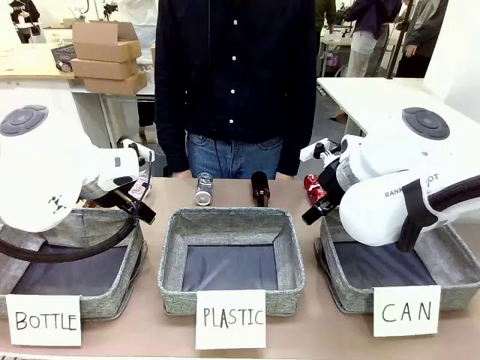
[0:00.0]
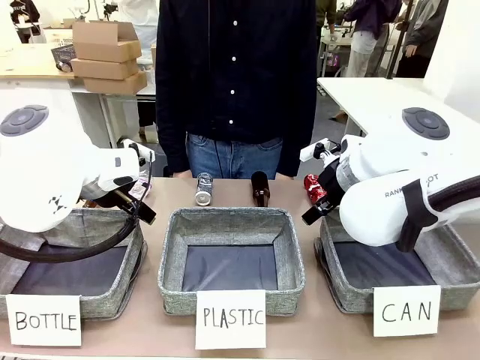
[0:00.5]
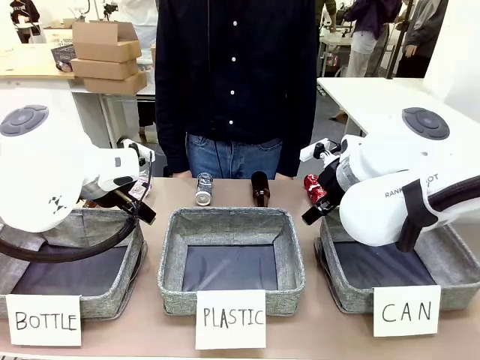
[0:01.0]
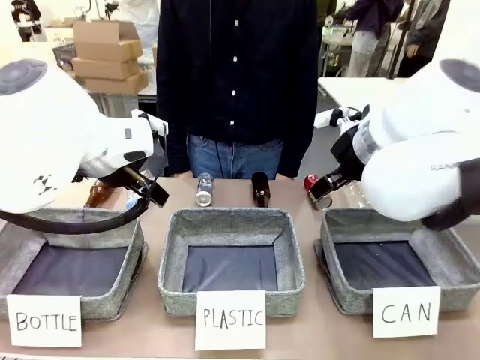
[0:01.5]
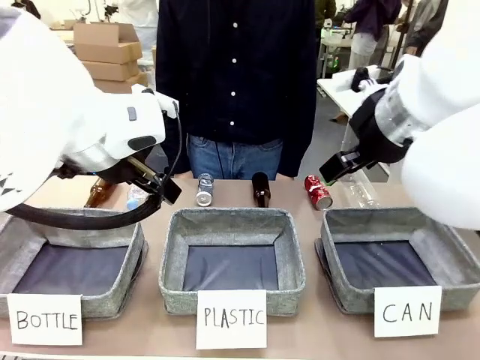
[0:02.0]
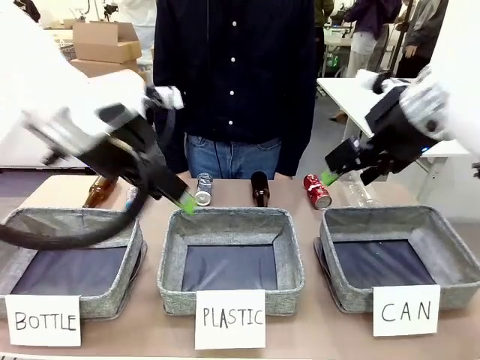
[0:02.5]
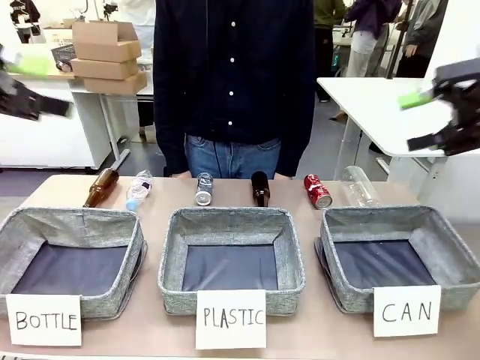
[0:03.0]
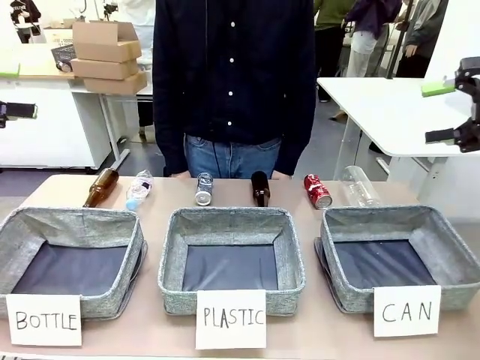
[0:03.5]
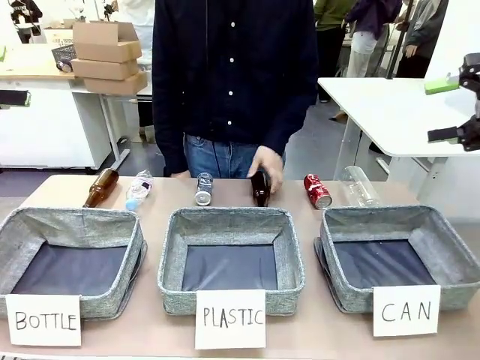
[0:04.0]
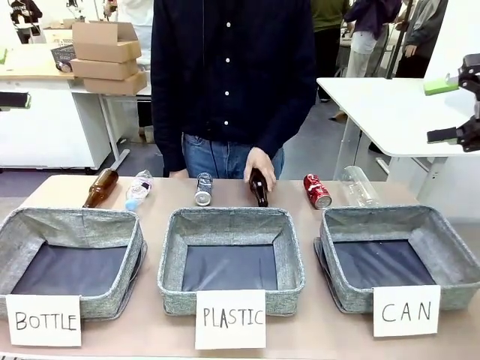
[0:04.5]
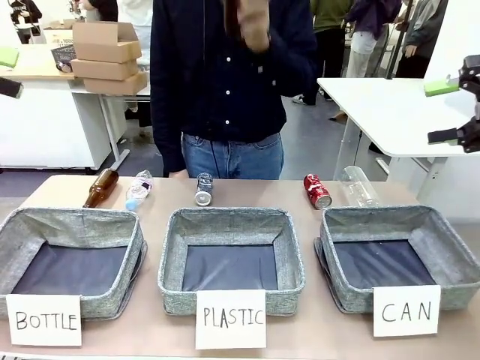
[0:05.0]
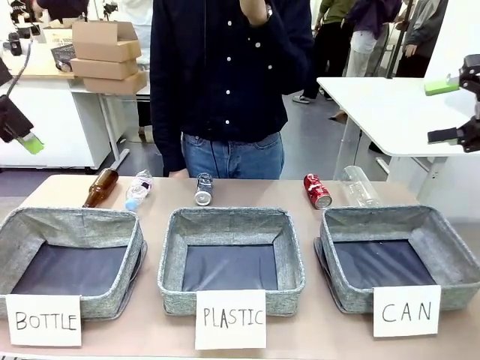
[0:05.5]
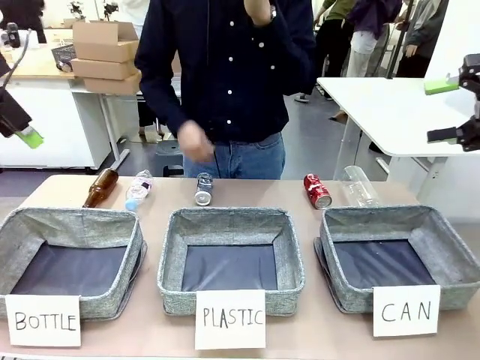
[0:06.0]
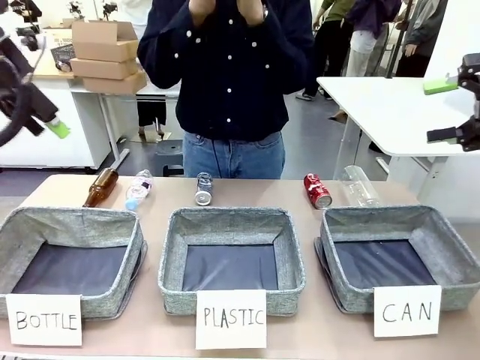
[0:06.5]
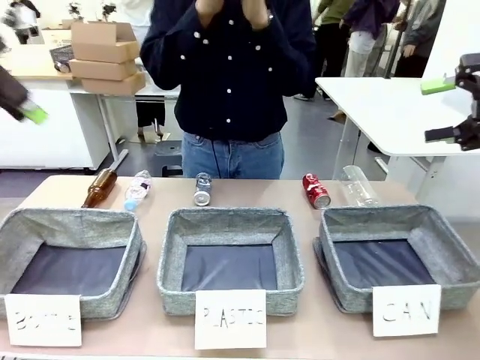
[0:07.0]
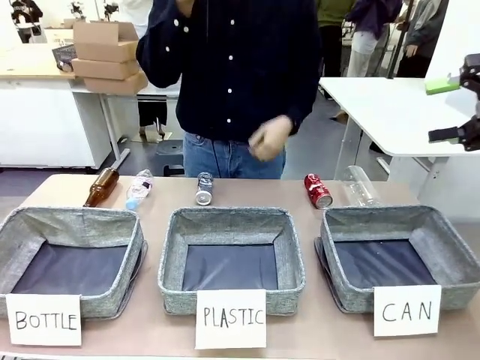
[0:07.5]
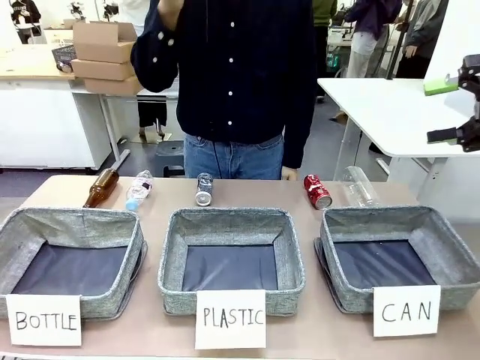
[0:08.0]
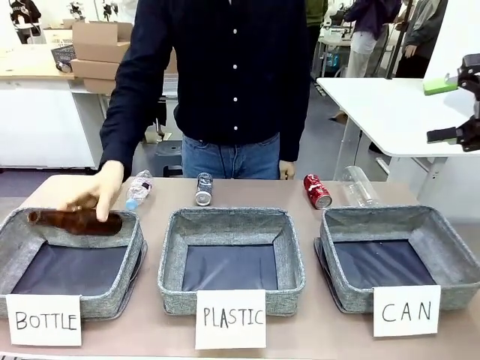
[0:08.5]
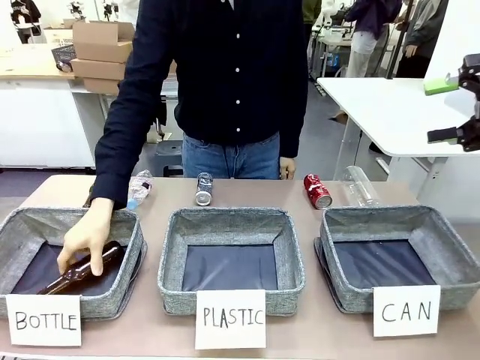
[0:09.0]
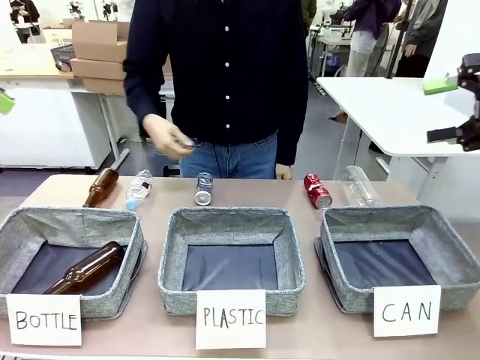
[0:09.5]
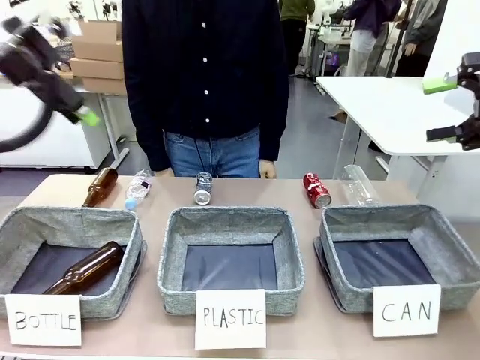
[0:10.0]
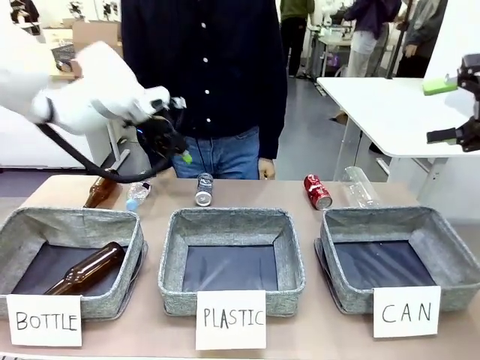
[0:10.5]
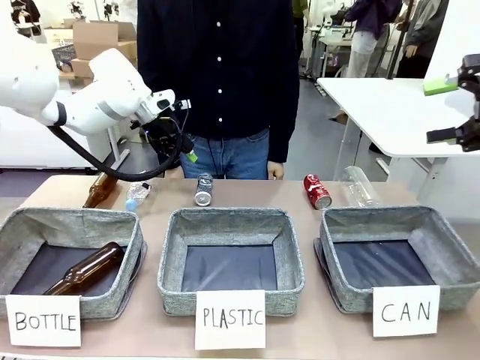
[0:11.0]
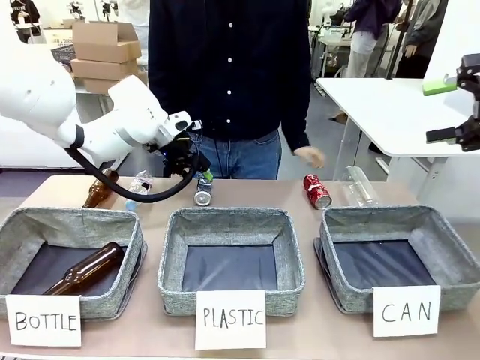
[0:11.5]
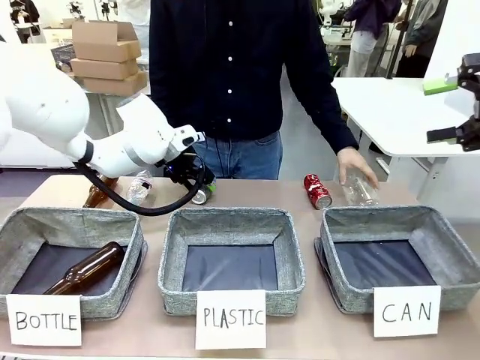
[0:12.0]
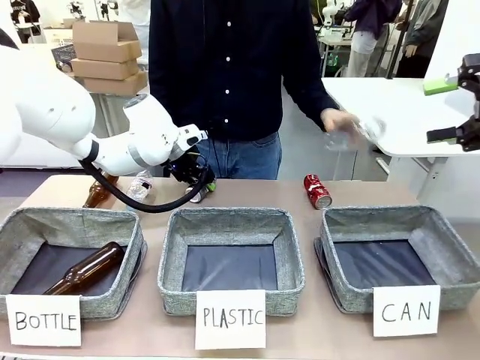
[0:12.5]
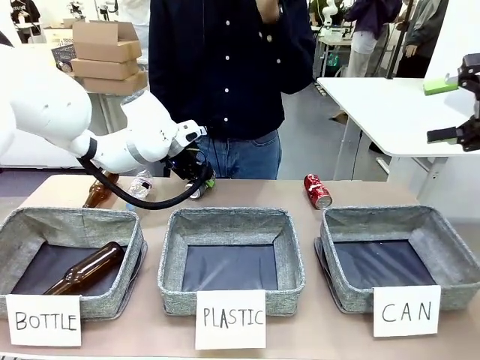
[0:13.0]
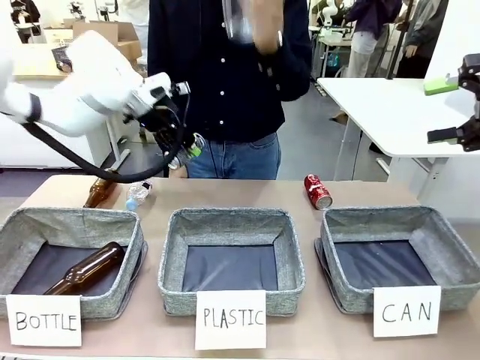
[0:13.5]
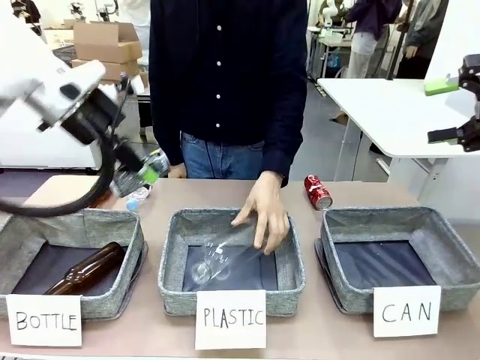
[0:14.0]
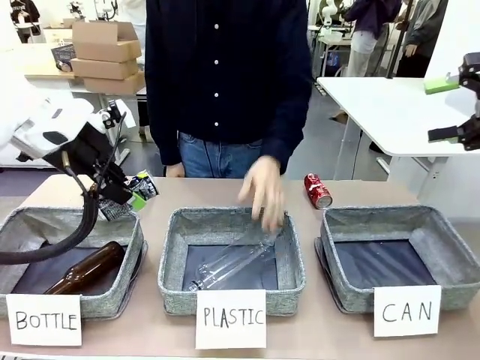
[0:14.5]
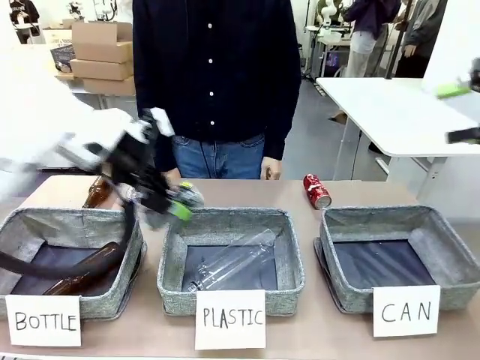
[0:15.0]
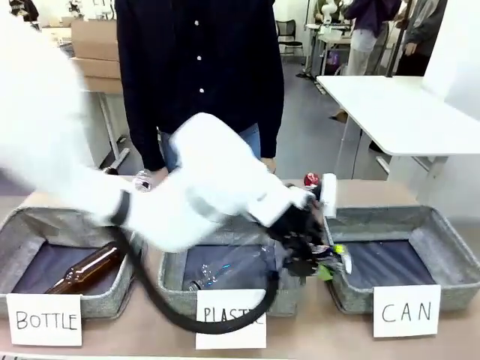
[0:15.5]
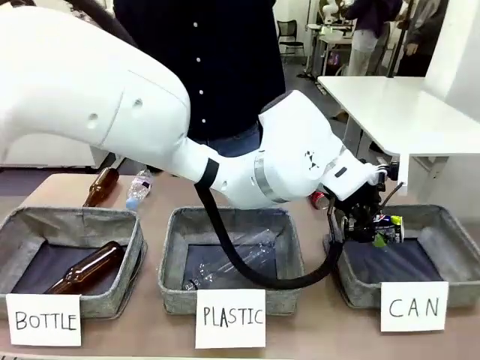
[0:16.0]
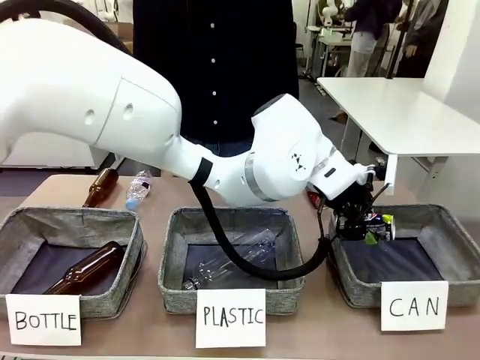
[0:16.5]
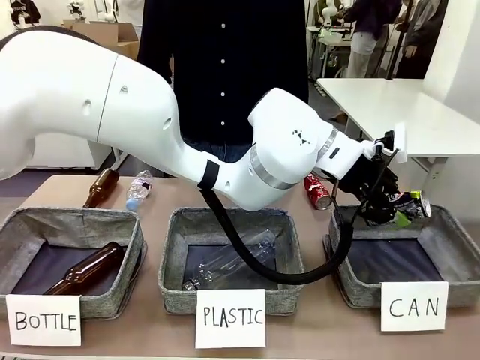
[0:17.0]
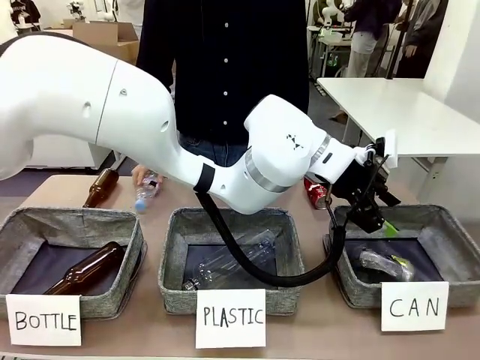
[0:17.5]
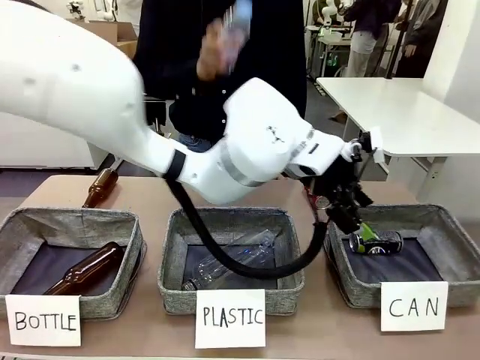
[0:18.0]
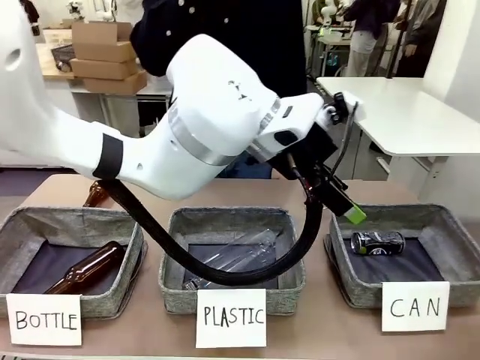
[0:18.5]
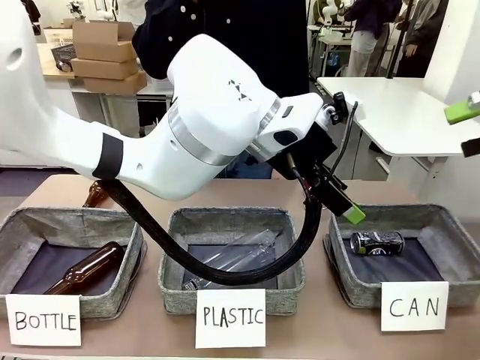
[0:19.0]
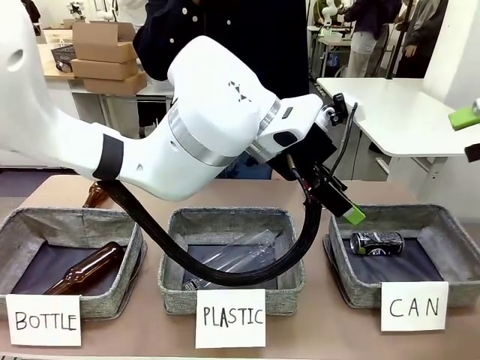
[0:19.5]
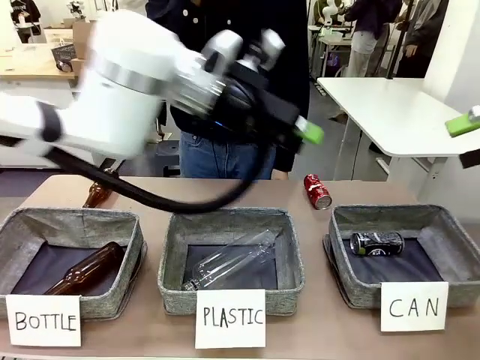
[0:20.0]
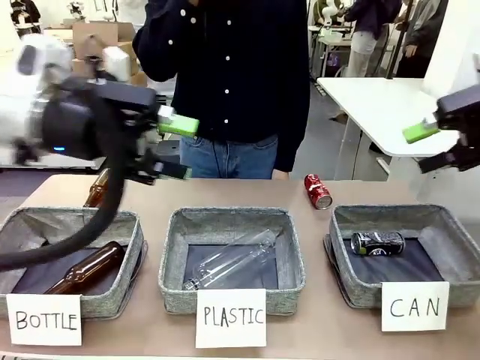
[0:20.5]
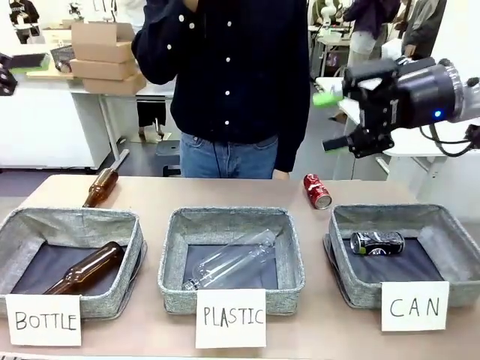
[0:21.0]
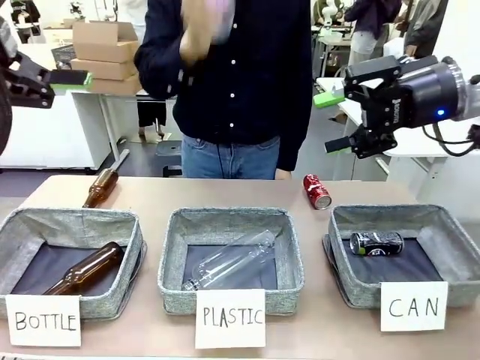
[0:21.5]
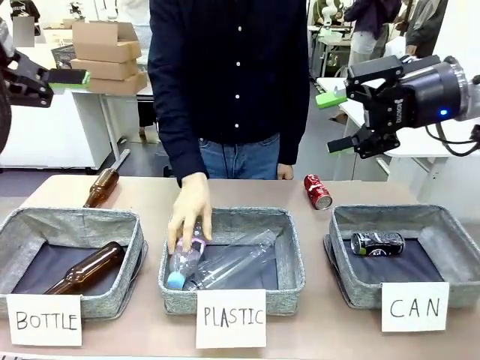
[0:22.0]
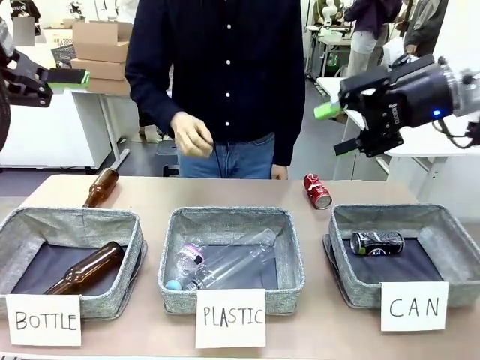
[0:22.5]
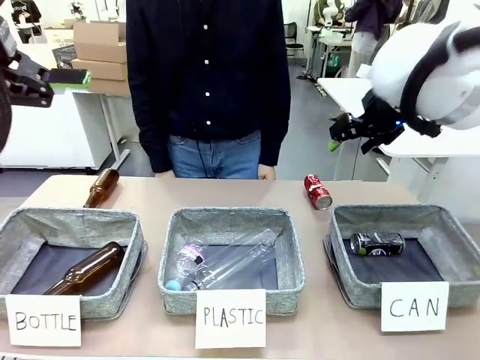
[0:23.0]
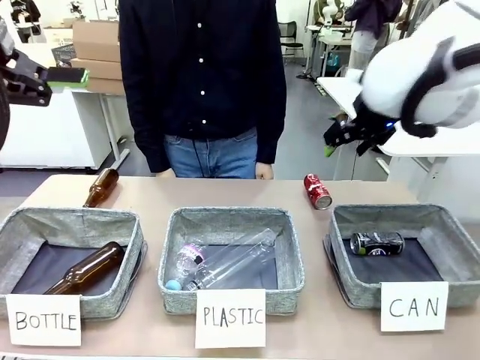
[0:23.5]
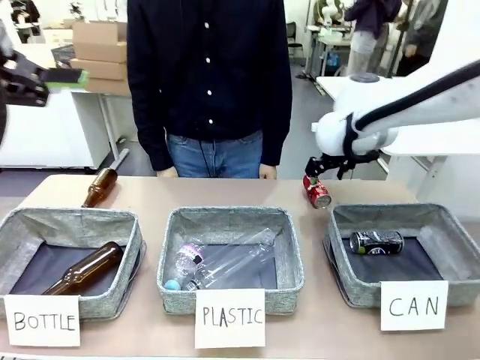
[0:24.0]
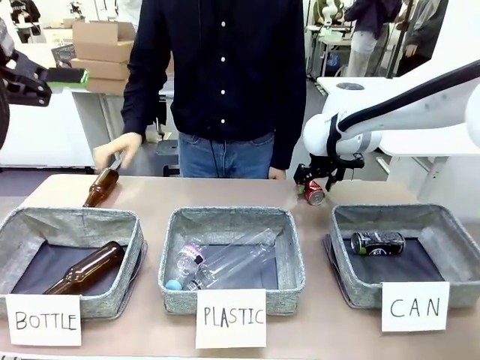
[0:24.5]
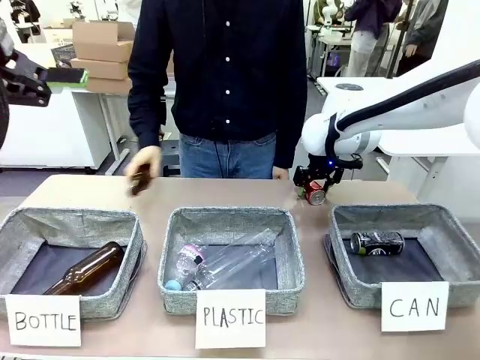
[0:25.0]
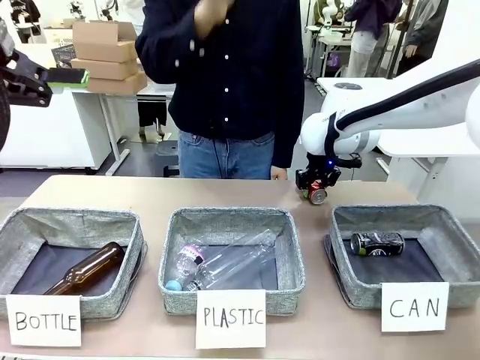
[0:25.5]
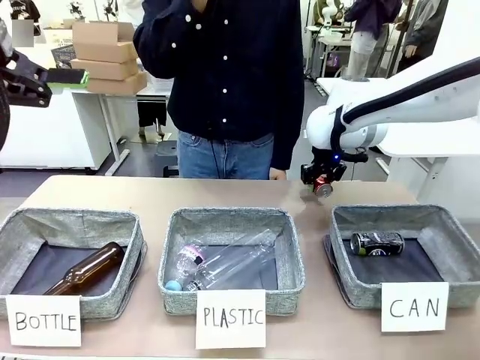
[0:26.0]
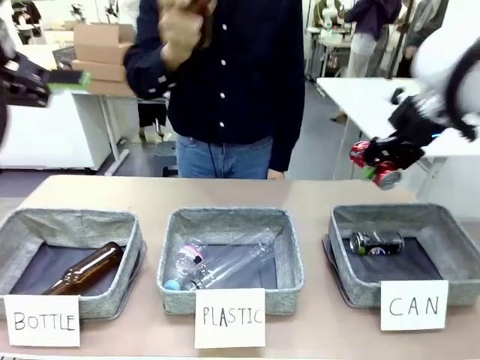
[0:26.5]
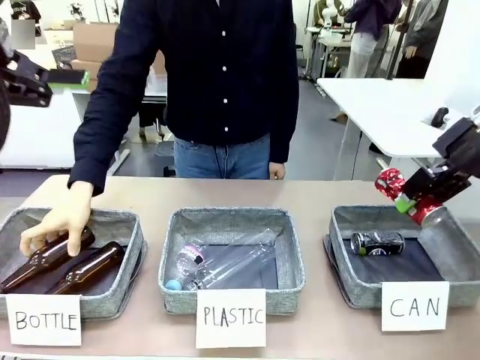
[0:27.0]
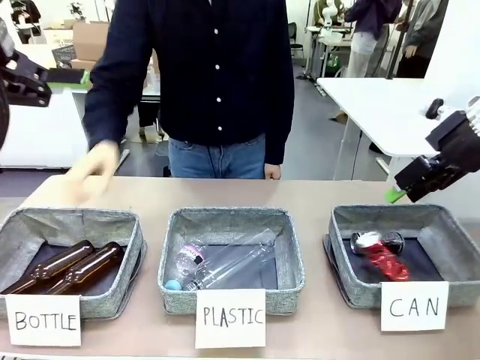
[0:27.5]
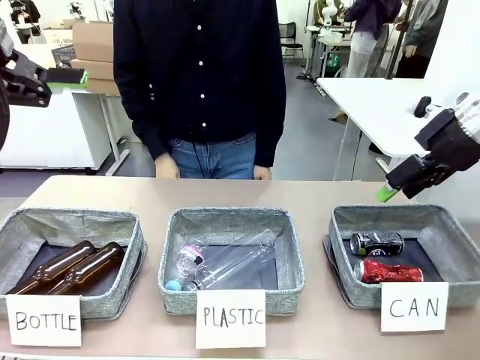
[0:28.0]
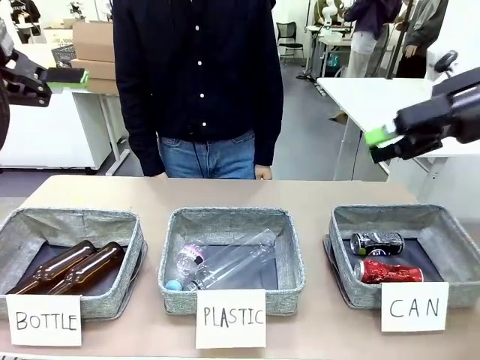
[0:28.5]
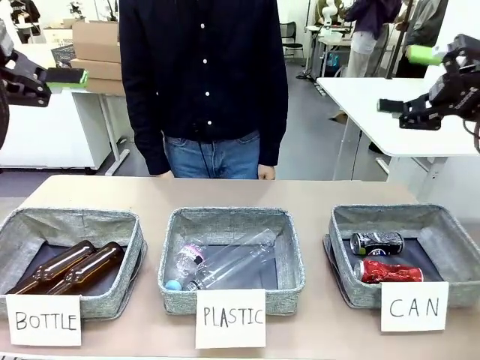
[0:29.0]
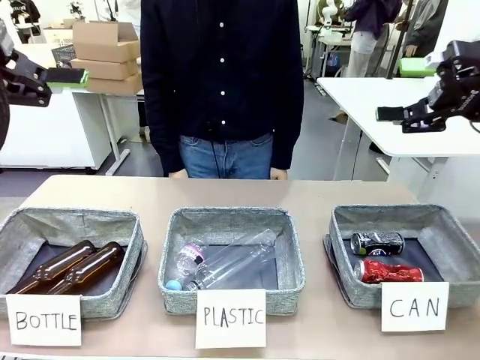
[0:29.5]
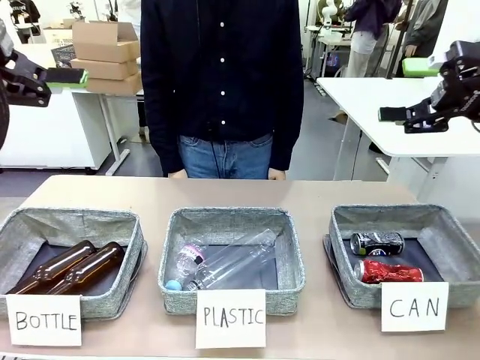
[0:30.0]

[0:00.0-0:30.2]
Task: Sort the can waste into the basket.
Robot: Pick up the can waste from the table and place it in the right Fabric basket.
Person: The human picks up one piece of trash that is not a can and places the trash into the appropriate organizing basket.
